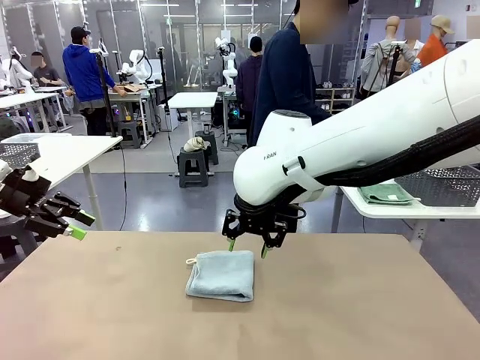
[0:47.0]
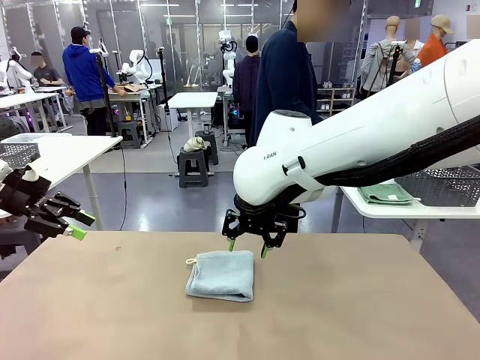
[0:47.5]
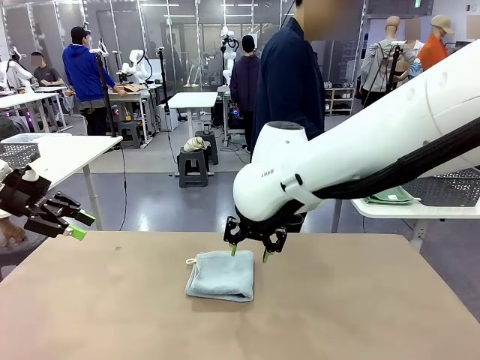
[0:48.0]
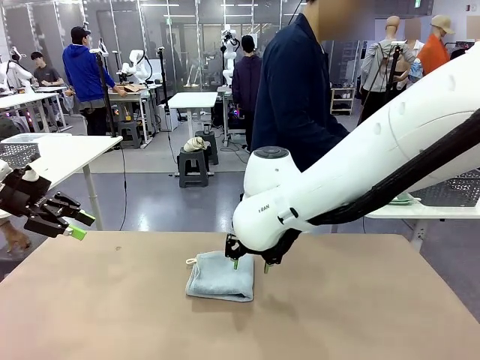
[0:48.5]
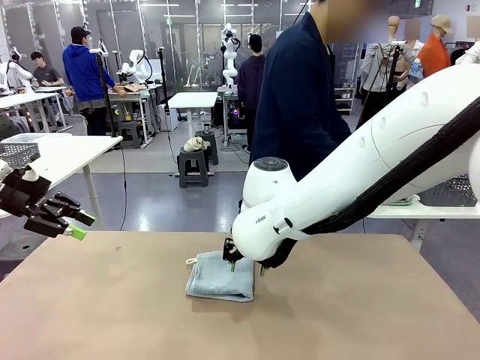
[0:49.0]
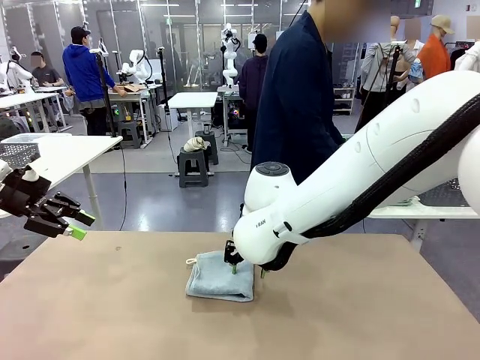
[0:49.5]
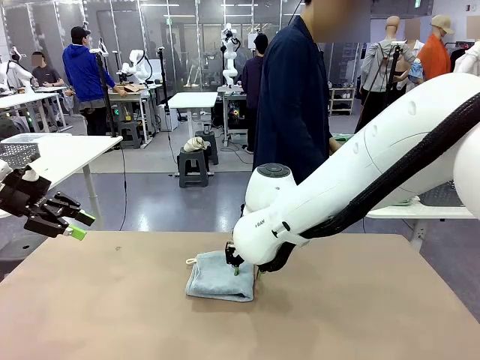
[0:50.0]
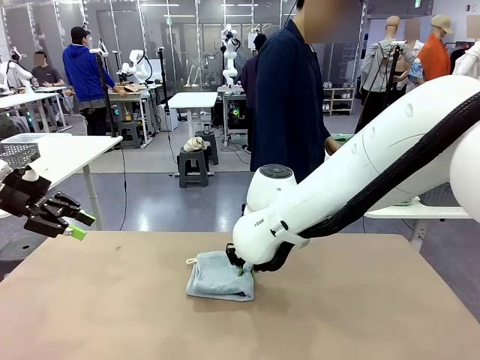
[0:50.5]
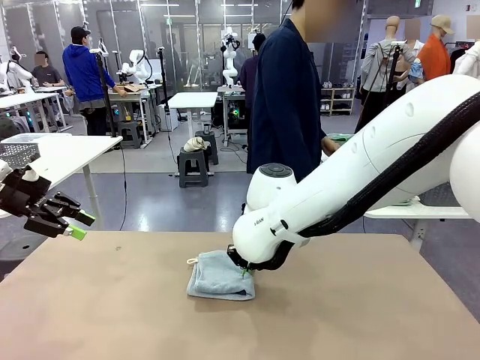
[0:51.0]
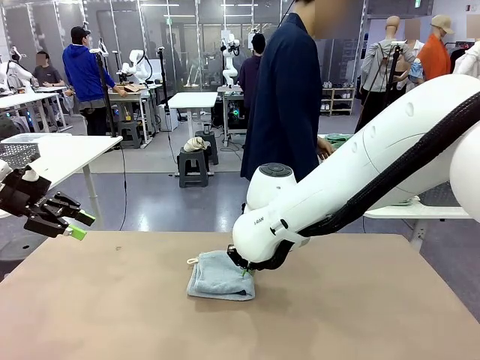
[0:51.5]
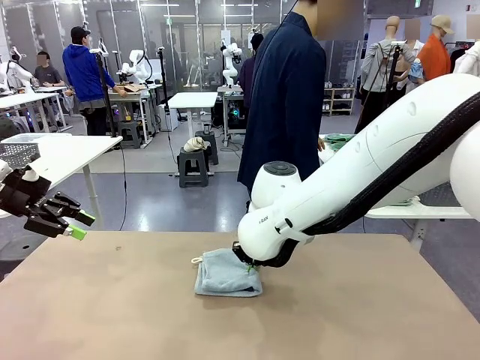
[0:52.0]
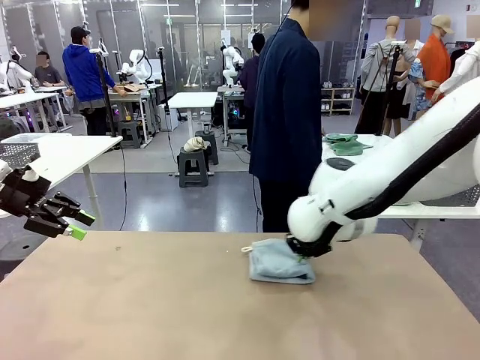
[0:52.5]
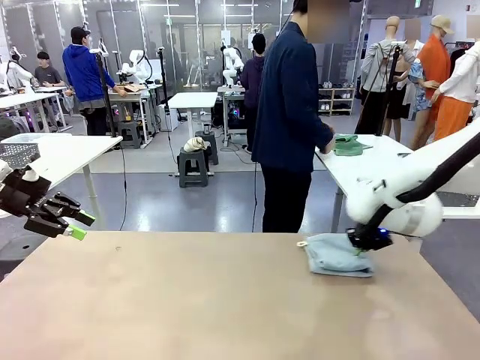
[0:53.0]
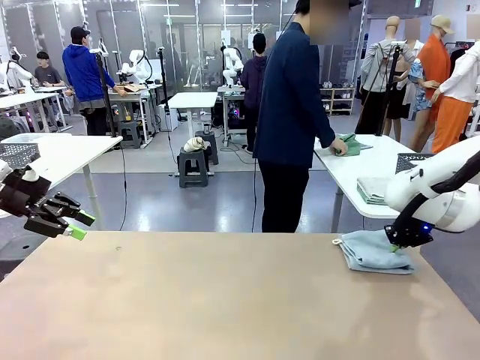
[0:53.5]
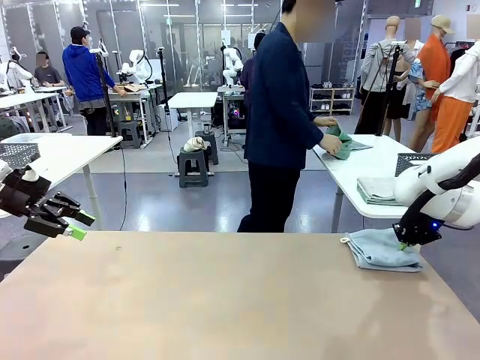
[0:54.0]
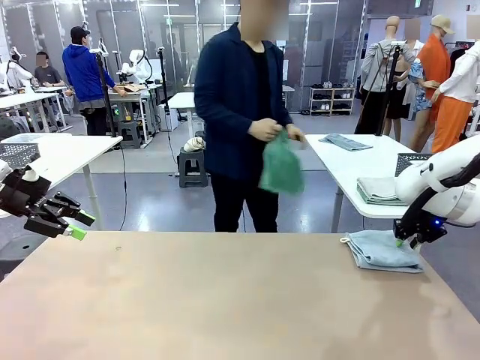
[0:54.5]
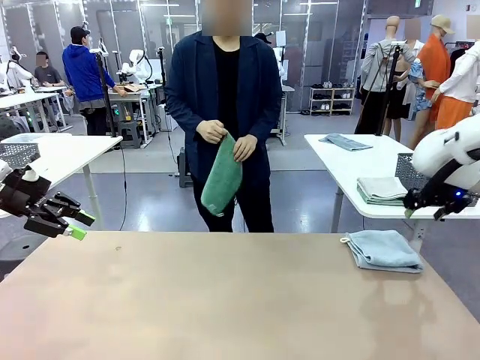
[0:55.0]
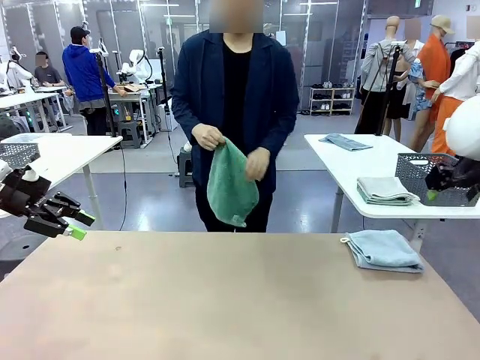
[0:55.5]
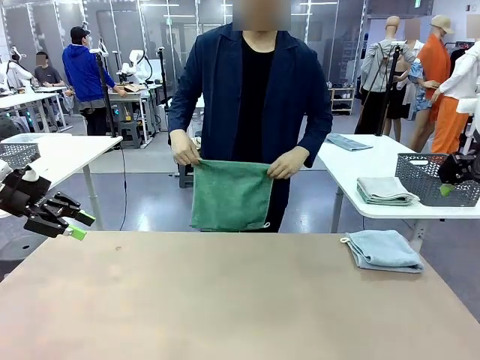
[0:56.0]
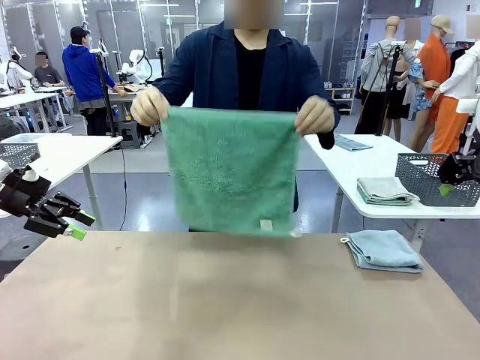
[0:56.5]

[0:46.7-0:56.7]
Task: Fold the towels and place them in the basket.
Robot: Place the folded Towel with hook on the right side of the table.
Person: Pick up one towel from the left side of the human table and spread it out at the center of the robot table.

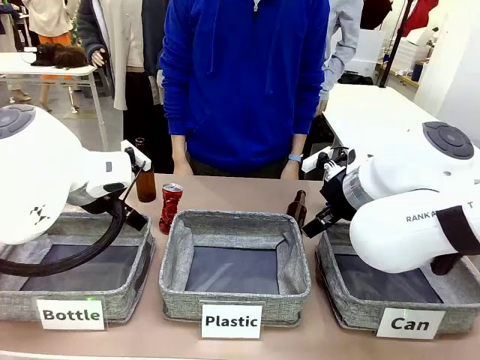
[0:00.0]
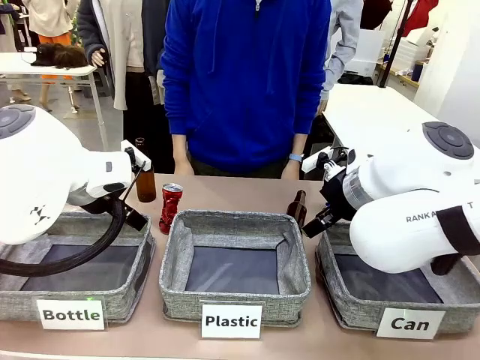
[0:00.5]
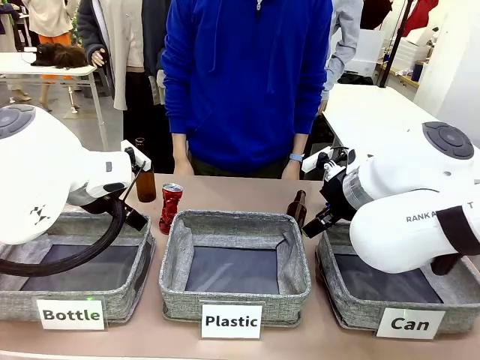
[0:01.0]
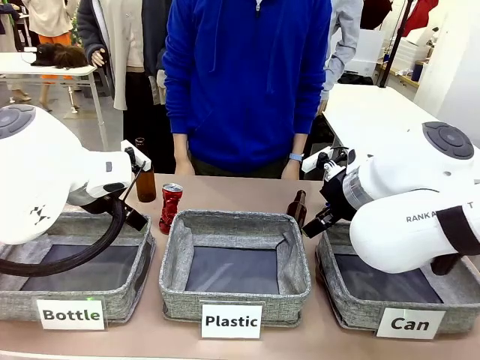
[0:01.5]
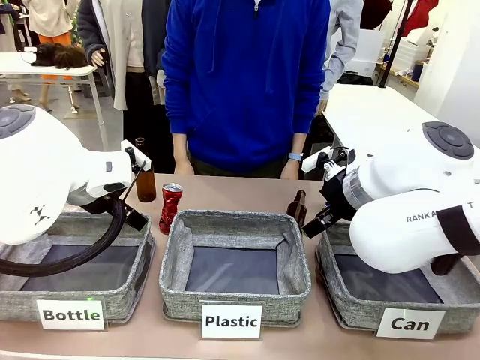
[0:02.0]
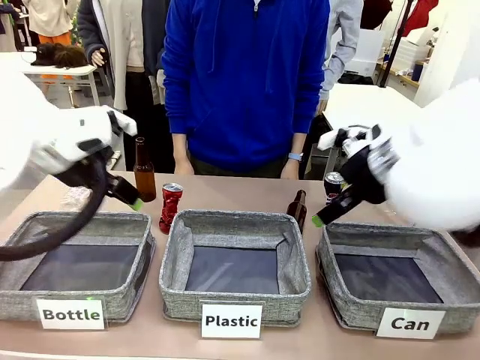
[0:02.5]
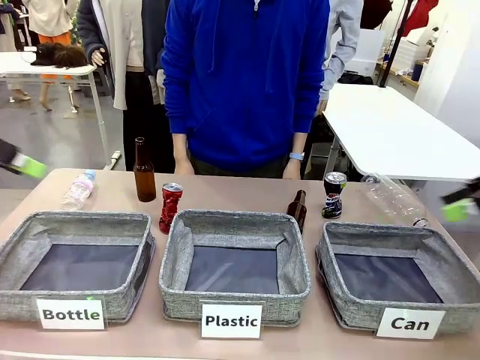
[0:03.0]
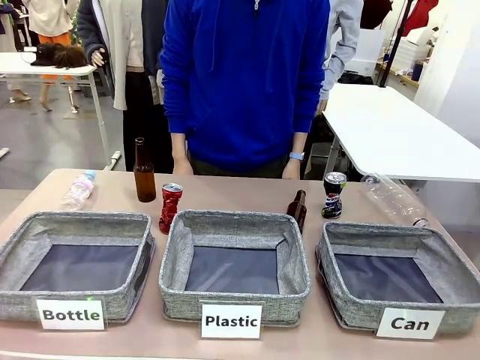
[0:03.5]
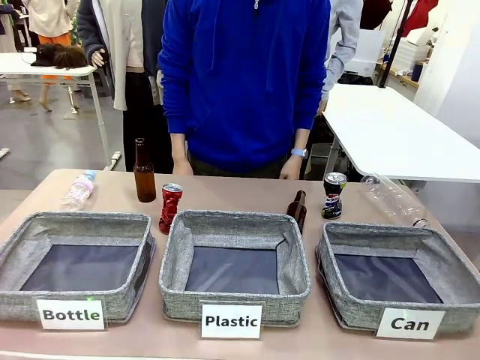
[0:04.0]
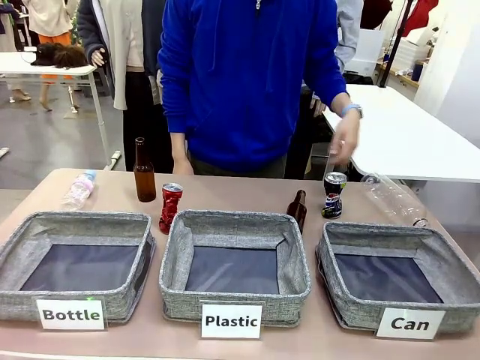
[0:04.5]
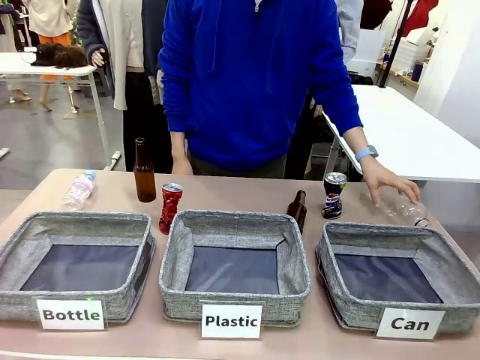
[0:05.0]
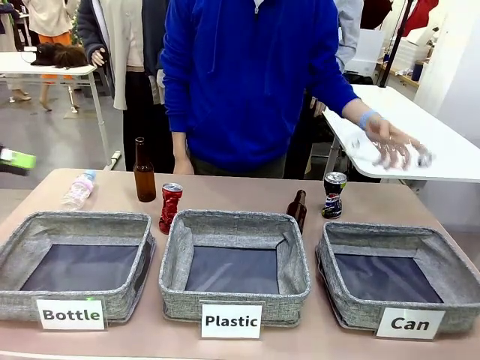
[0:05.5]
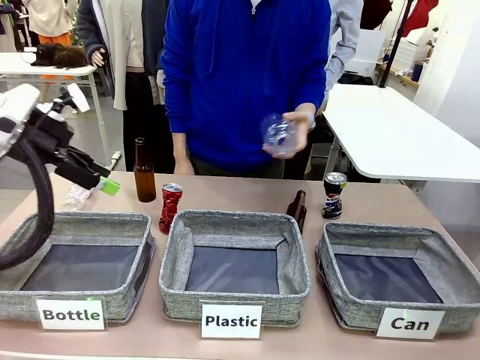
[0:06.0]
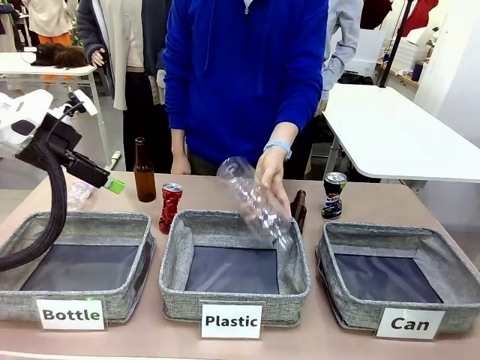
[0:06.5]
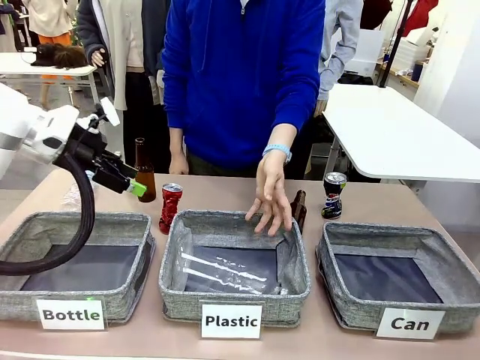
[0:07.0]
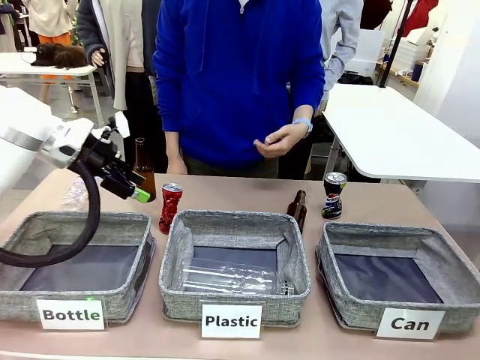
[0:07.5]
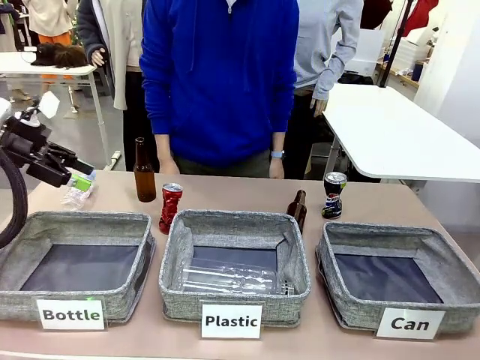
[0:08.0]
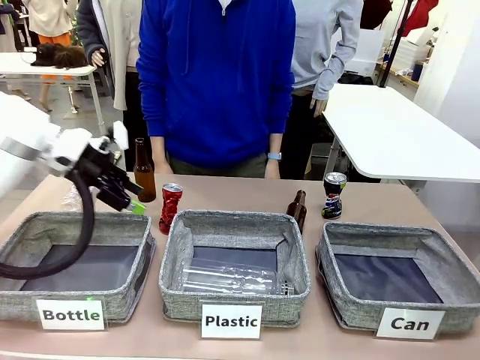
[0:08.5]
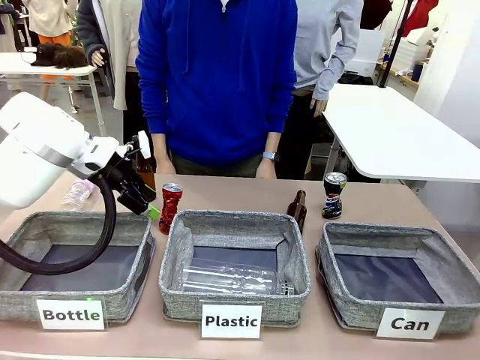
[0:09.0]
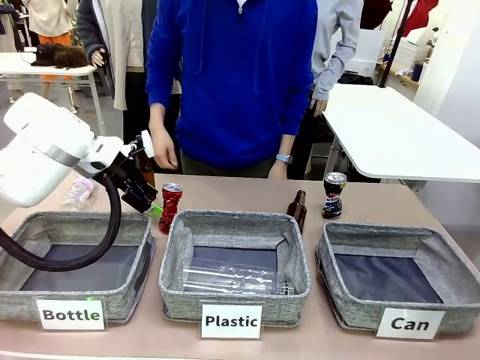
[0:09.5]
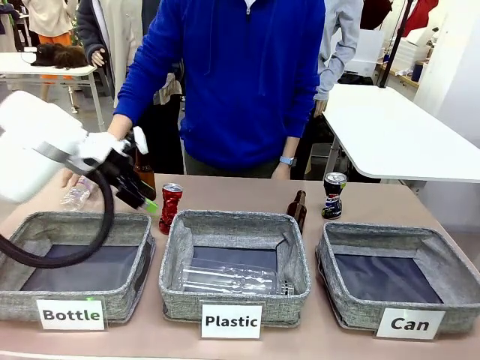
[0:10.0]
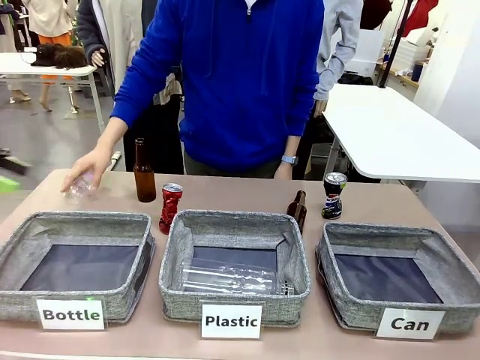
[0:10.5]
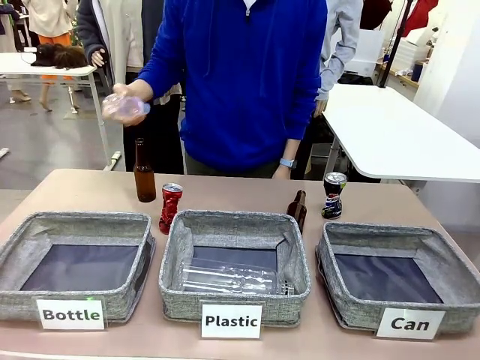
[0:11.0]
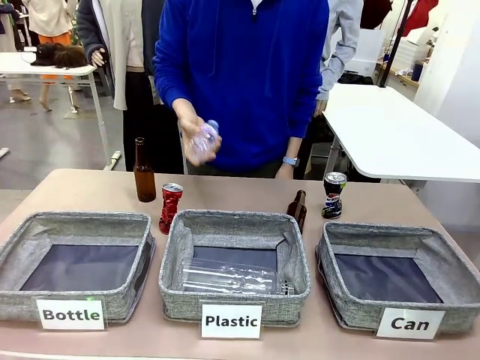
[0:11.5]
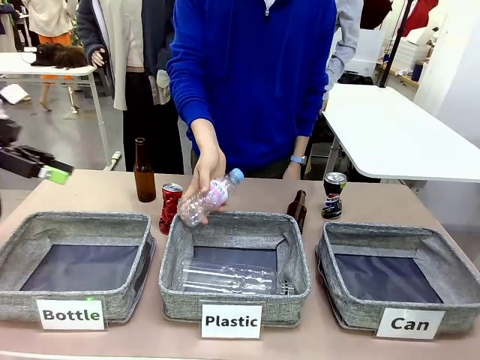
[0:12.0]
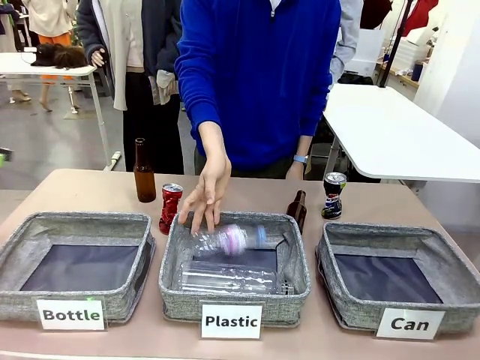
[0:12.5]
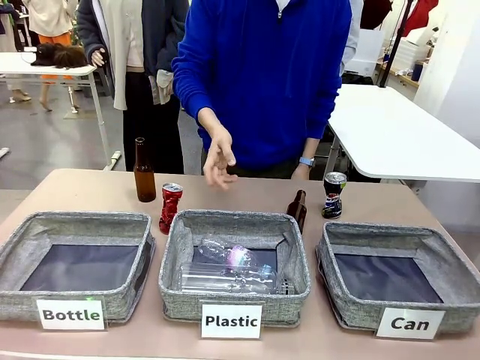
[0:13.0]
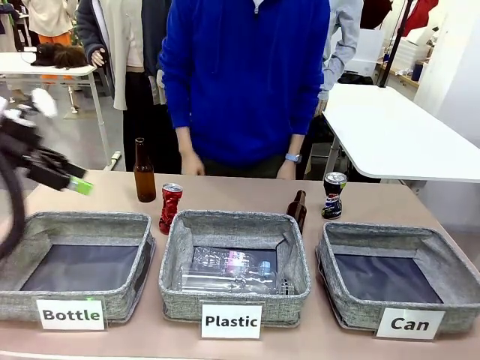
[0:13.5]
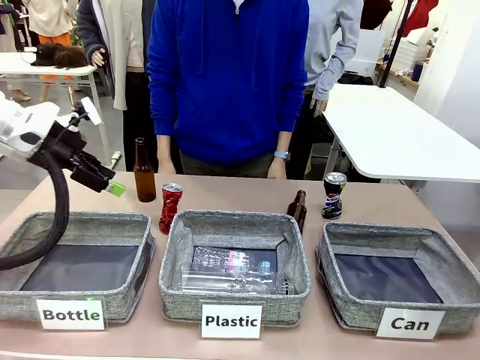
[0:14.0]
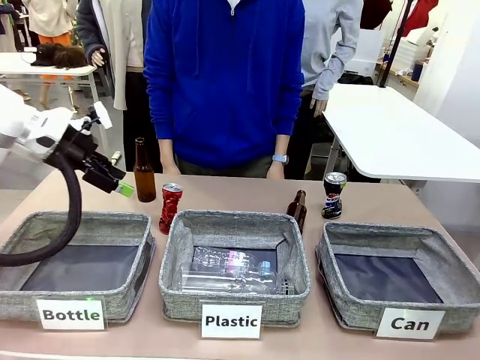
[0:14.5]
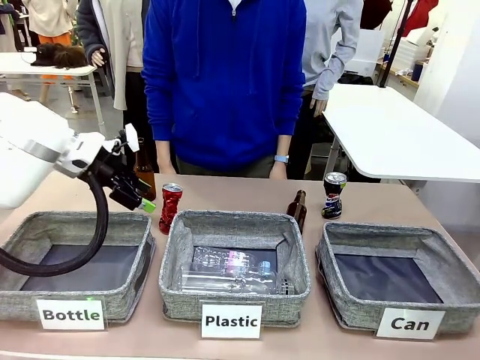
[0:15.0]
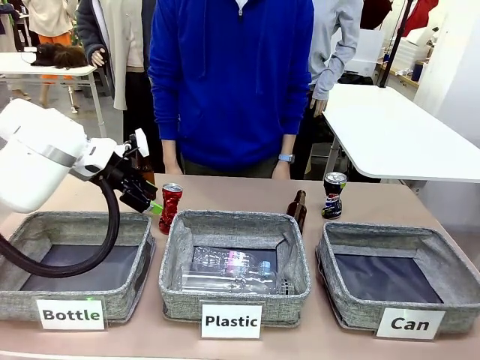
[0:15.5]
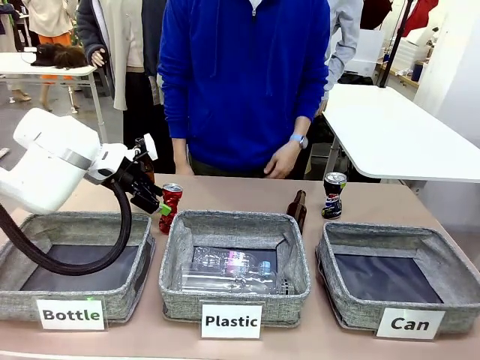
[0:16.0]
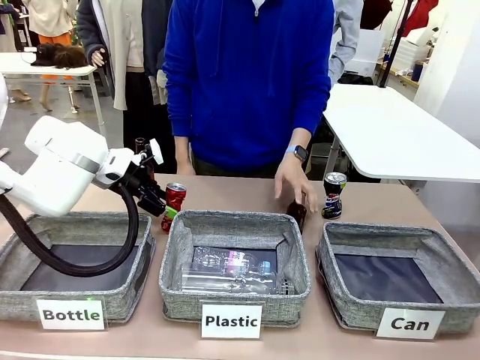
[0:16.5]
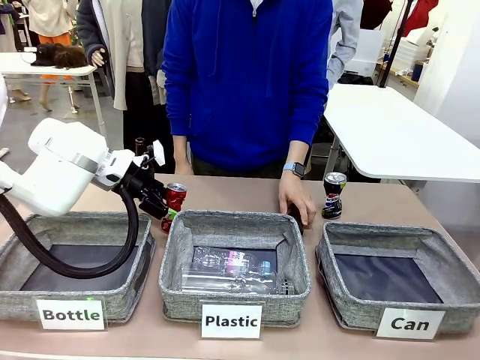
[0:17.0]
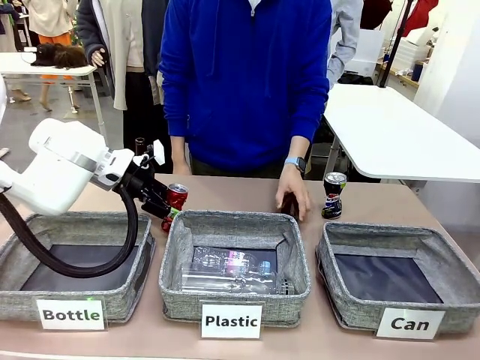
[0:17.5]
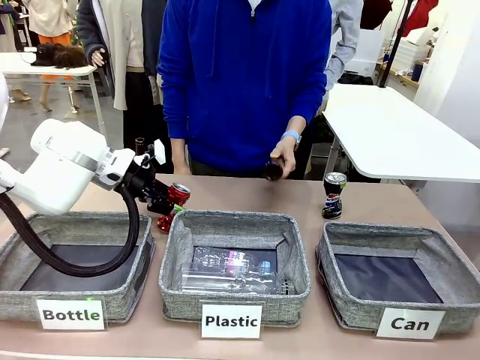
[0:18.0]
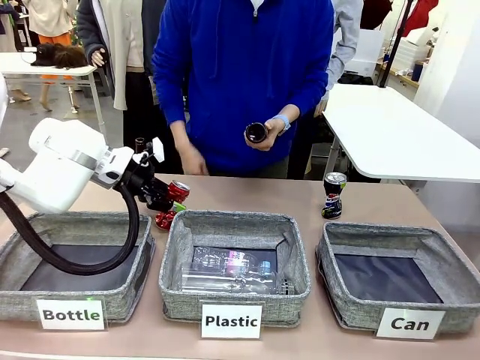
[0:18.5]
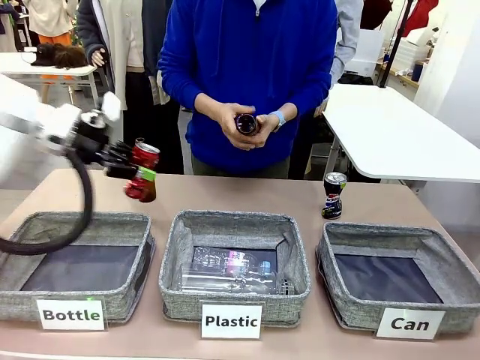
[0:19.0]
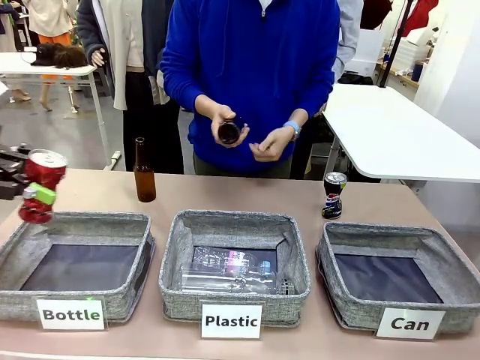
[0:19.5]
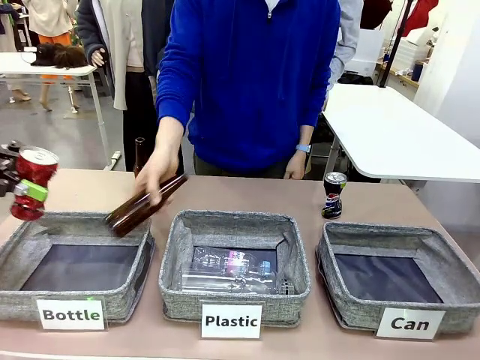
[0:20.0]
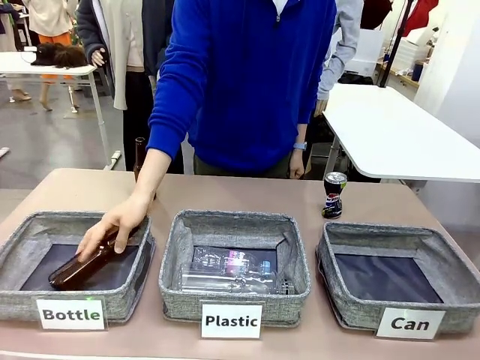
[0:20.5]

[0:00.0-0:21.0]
Task: Sort the can waste into the basket.
Robot: Pick up the can waste from the table and place it in the right Fabric basket.
